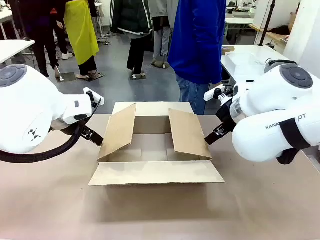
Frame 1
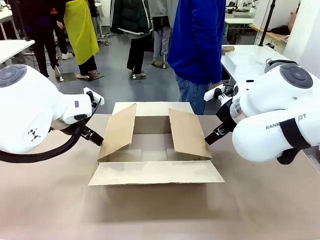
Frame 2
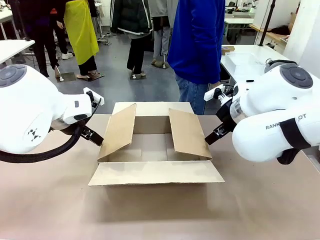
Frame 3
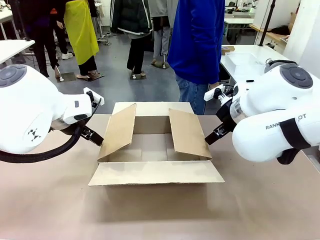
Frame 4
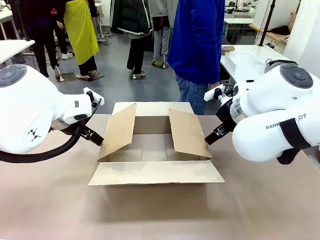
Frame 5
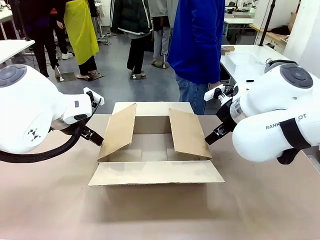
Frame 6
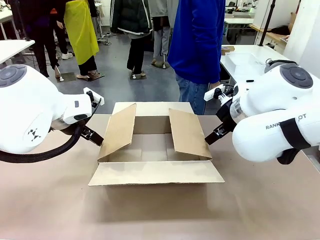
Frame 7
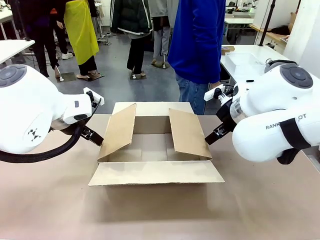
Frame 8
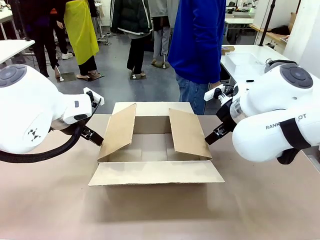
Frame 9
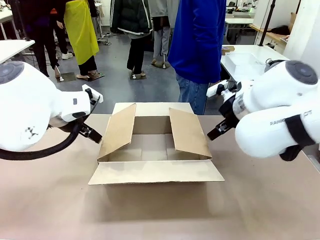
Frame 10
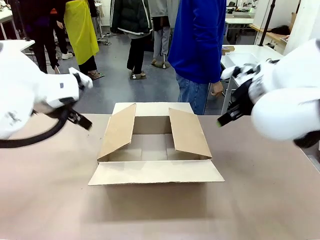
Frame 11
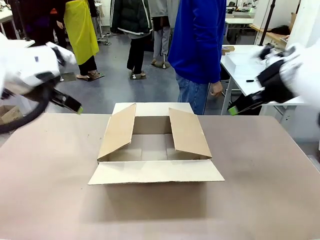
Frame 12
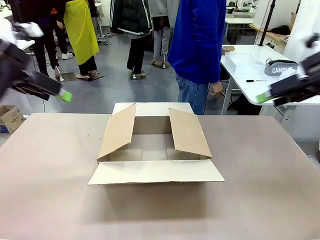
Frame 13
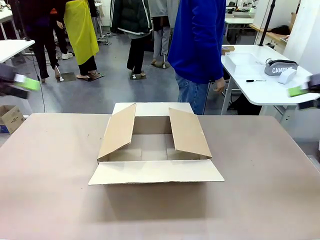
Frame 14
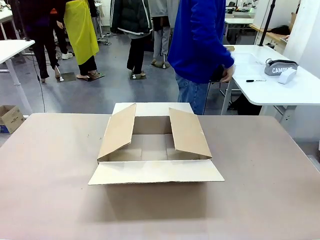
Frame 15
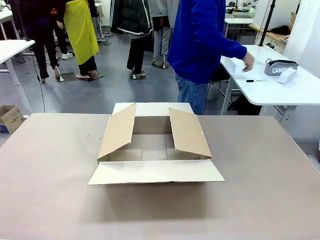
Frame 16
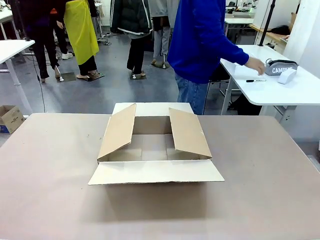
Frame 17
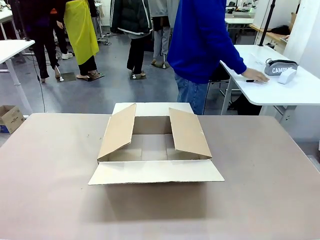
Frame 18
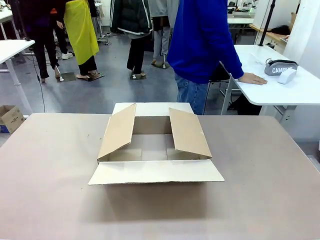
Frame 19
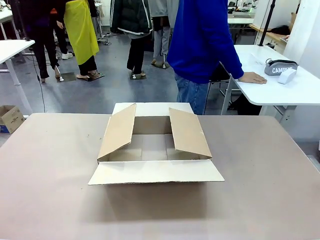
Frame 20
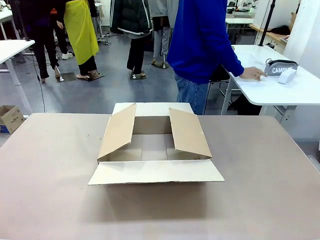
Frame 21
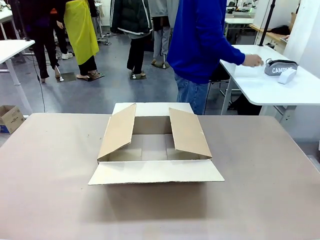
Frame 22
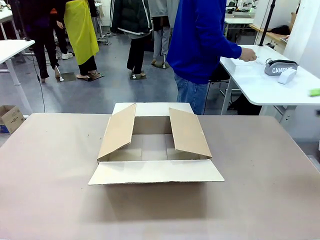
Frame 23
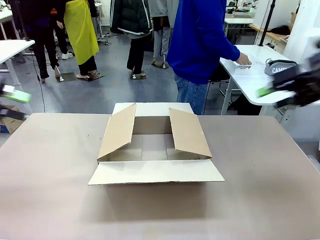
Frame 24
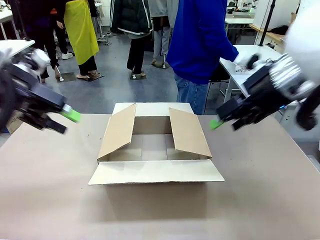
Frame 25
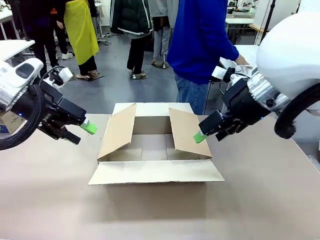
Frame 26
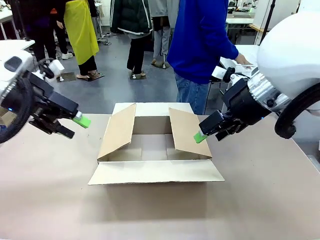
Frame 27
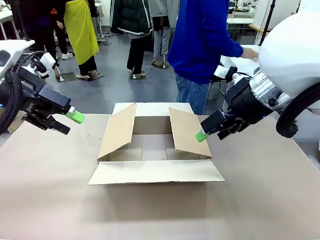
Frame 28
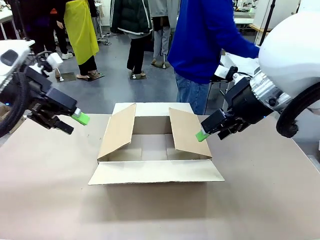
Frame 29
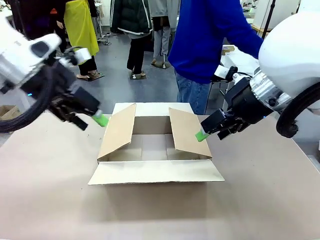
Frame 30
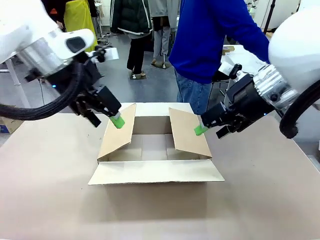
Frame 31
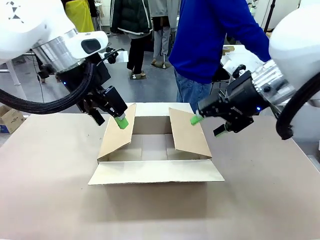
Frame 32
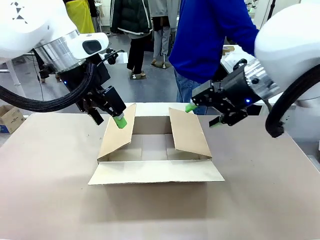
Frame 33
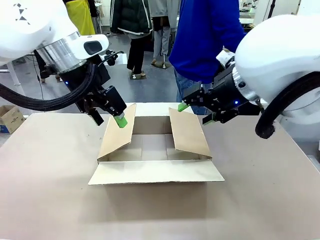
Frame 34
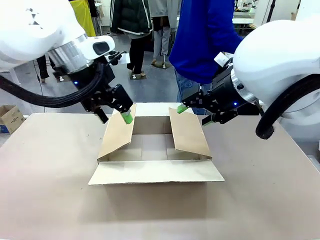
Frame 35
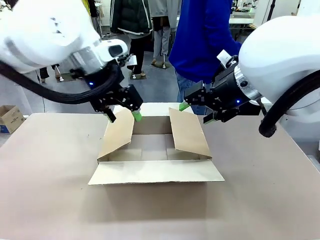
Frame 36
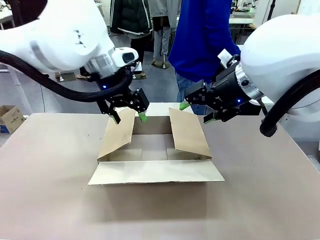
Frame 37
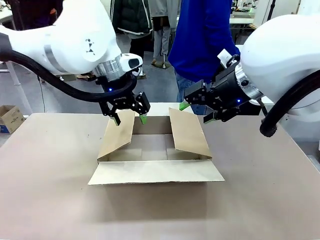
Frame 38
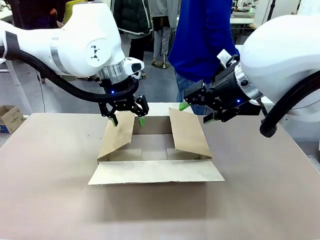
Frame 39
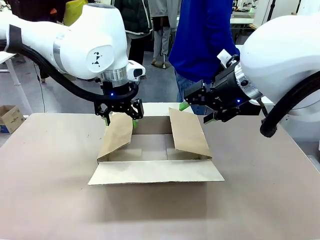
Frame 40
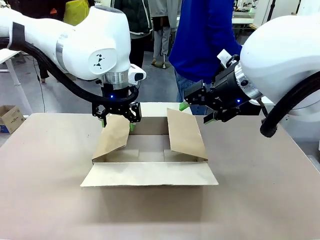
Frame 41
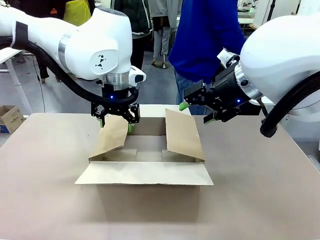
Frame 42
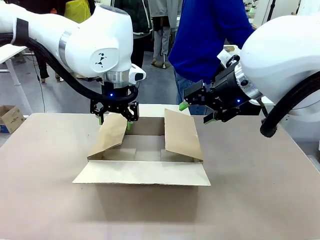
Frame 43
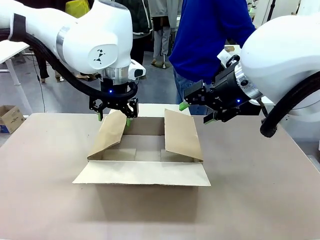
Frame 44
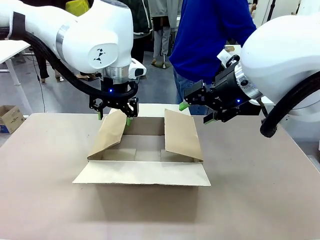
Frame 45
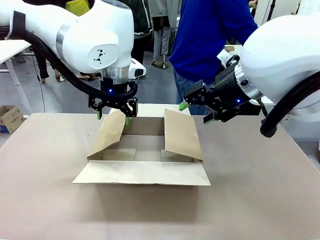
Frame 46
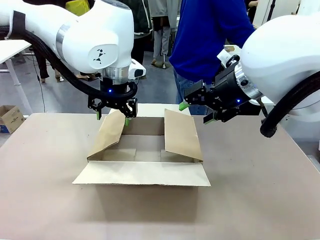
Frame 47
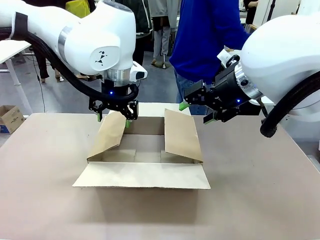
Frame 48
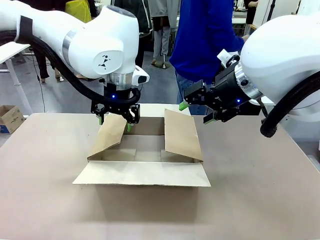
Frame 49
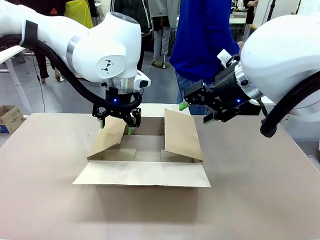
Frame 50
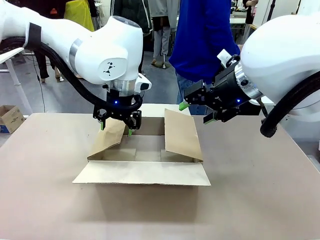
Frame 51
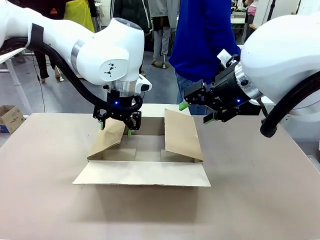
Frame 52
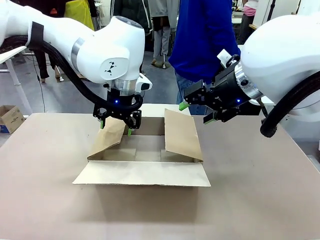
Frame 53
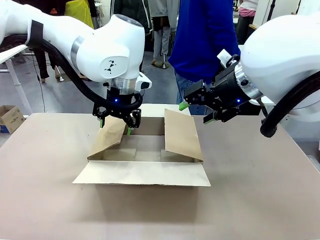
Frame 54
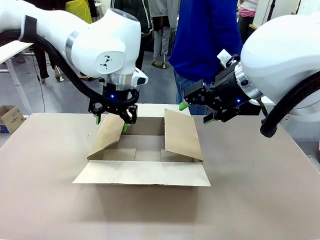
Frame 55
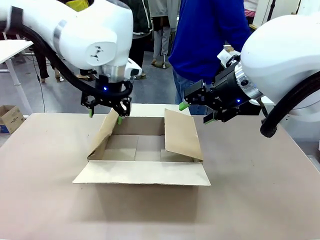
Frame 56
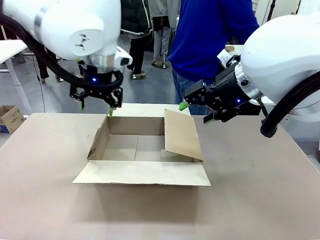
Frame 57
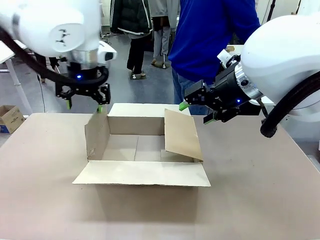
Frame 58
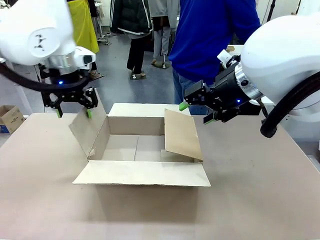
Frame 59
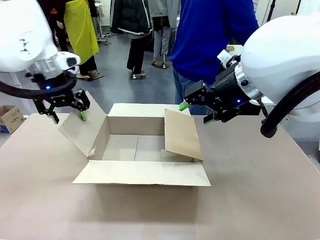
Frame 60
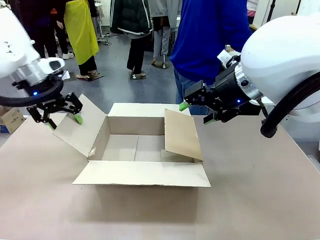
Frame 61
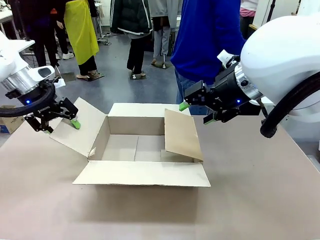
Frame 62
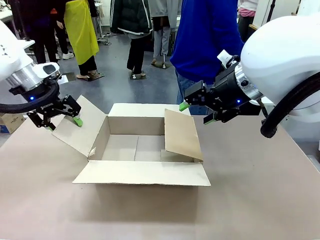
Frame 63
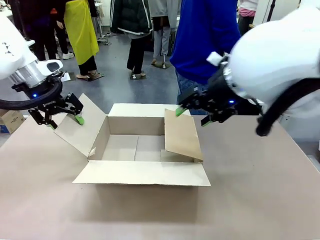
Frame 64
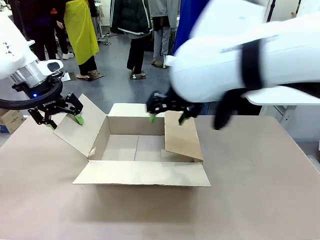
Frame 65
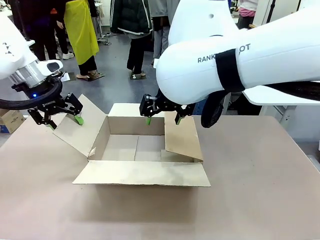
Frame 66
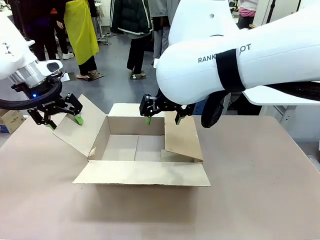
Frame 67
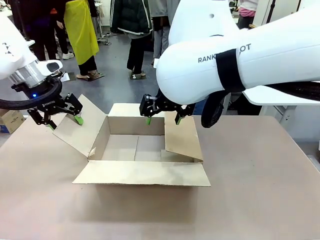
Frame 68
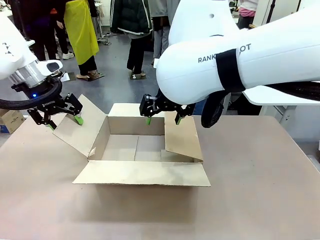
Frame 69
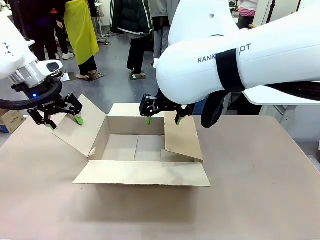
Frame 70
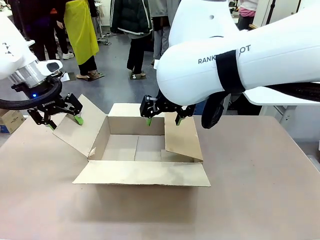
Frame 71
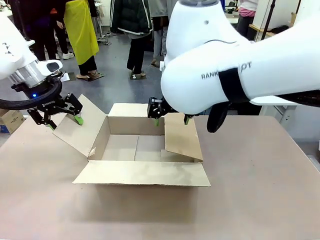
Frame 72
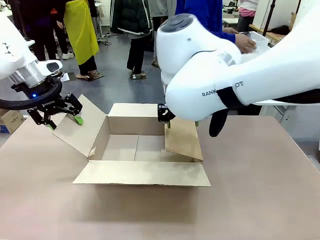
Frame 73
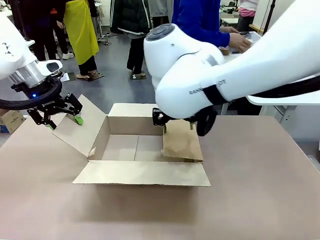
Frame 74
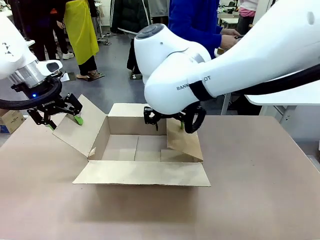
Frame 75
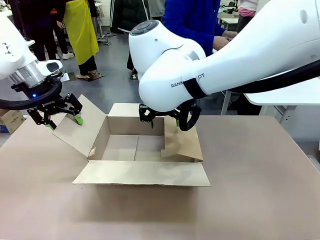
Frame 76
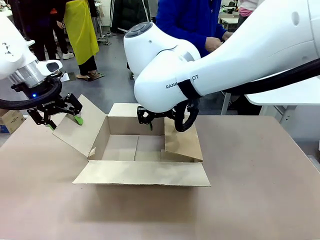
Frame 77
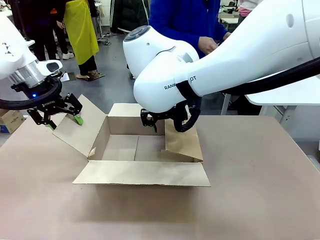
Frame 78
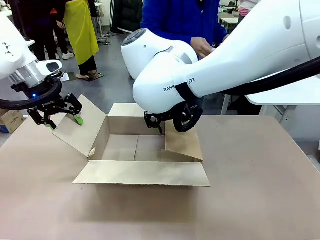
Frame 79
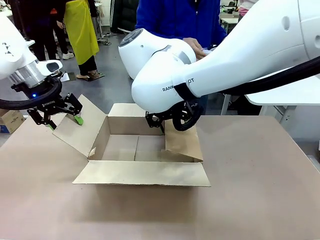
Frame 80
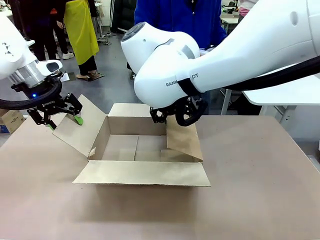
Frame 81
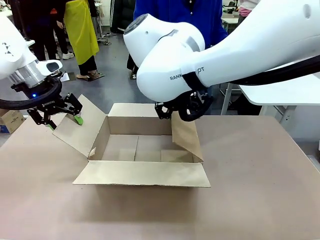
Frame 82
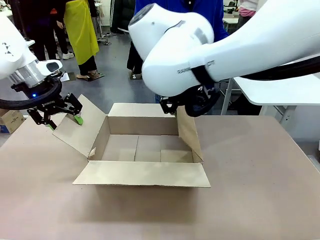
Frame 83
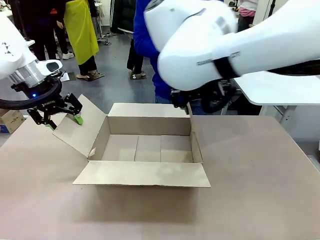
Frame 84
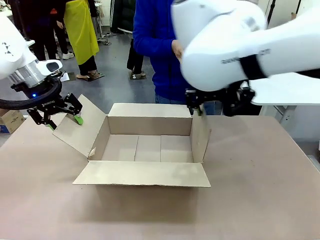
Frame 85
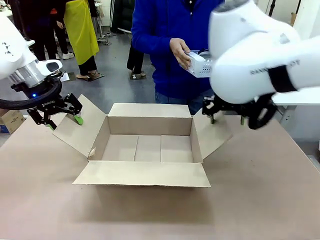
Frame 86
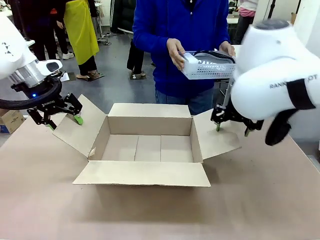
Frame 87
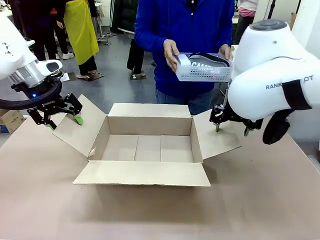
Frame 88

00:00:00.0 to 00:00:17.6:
Task: Pack the gift set into the box.
Robot: Place both hands on the side flaps of the Package Box and spread them outward.
Person: The human places all items except the paper tape into the organizing basket.

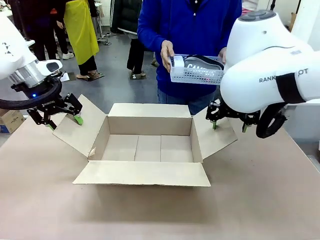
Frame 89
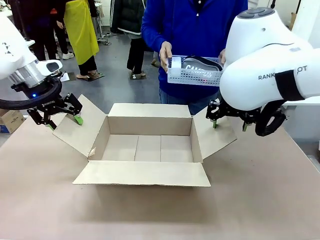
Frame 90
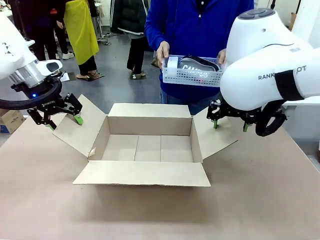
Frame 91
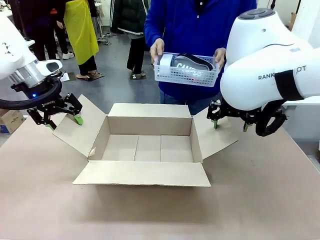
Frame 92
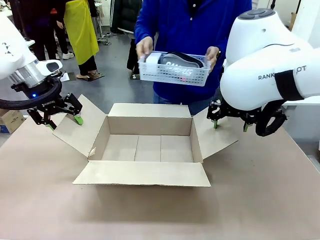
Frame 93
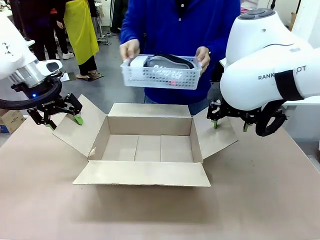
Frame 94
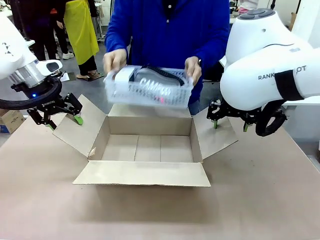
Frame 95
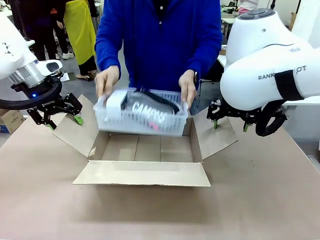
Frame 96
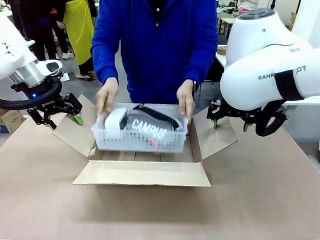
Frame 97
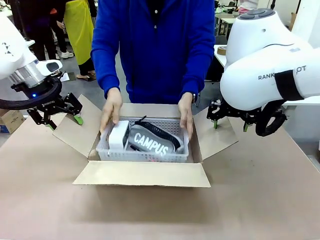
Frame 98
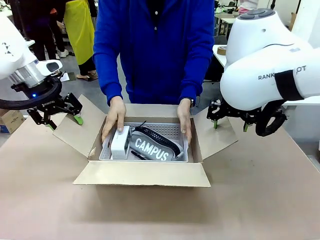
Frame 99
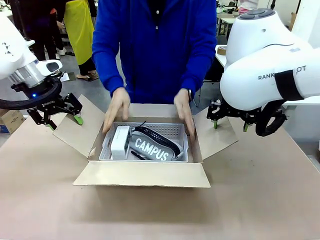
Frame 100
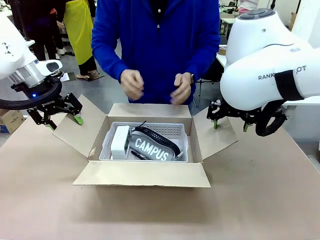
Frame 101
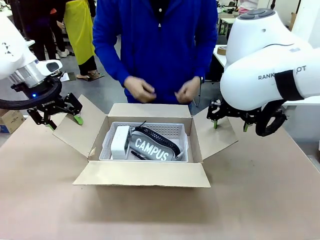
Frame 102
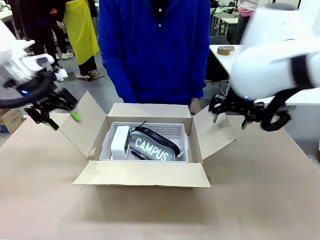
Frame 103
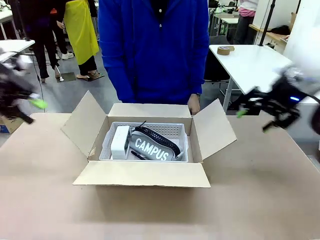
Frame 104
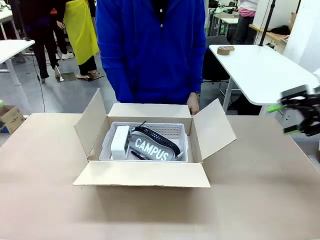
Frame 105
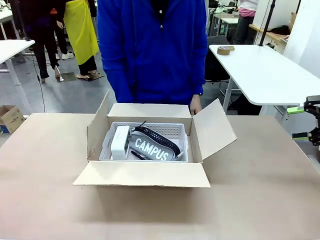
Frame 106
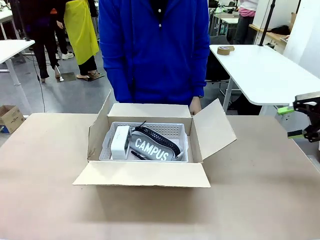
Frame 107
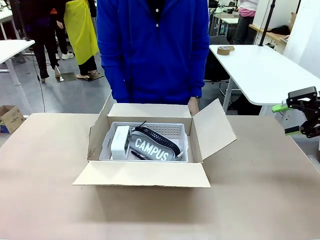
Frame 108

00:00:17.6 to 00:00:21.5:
Robot: Lift both hands away from the flaps of the Package Box.
Person: The human picks up the organizing basket and places the organizing basket into the package box on the robot table.
